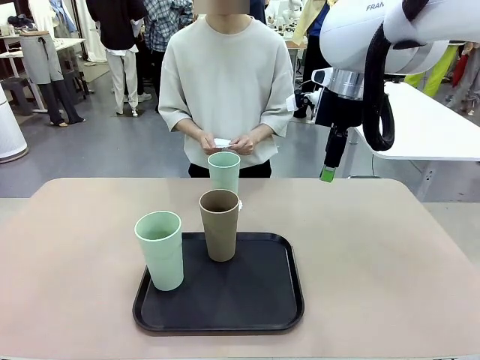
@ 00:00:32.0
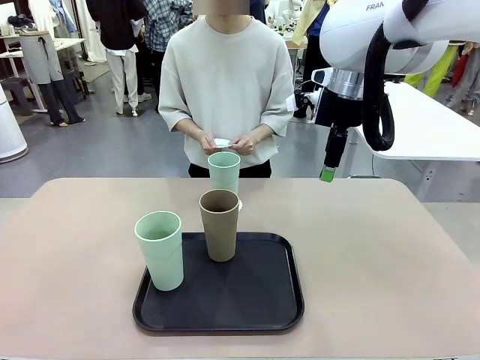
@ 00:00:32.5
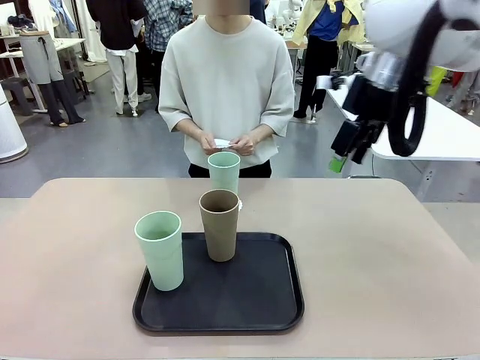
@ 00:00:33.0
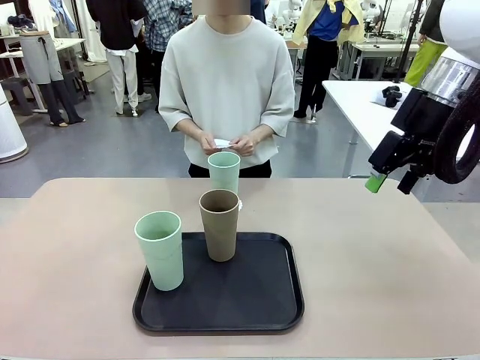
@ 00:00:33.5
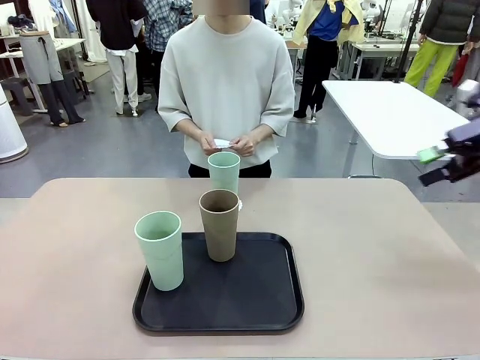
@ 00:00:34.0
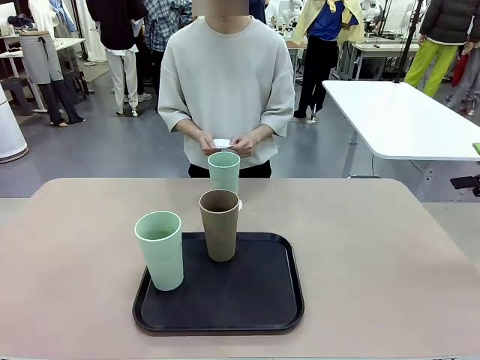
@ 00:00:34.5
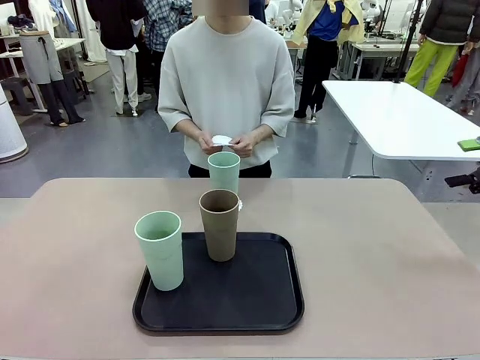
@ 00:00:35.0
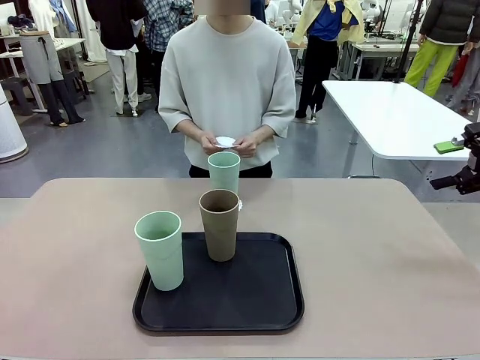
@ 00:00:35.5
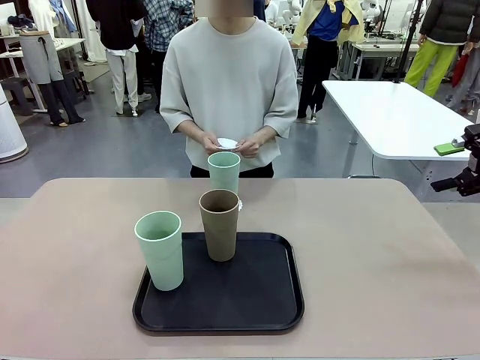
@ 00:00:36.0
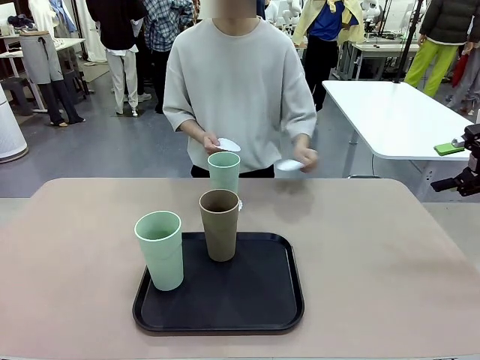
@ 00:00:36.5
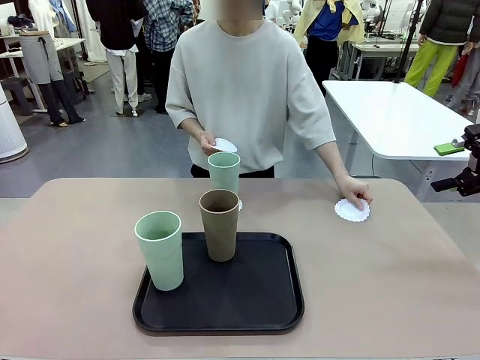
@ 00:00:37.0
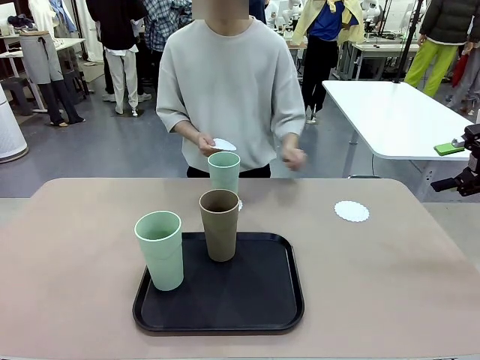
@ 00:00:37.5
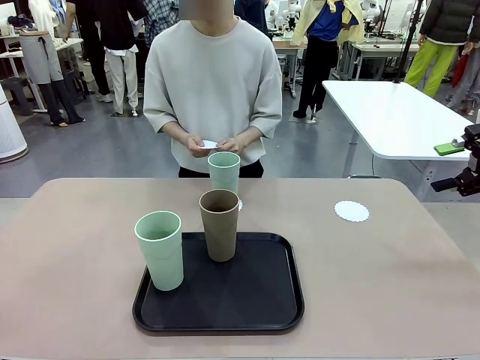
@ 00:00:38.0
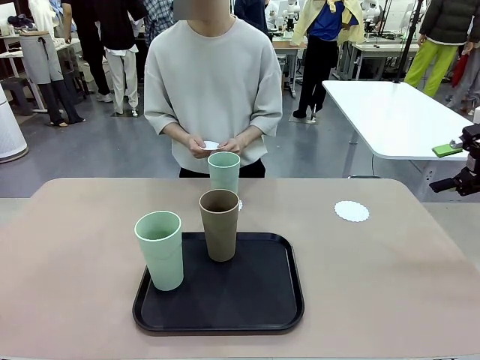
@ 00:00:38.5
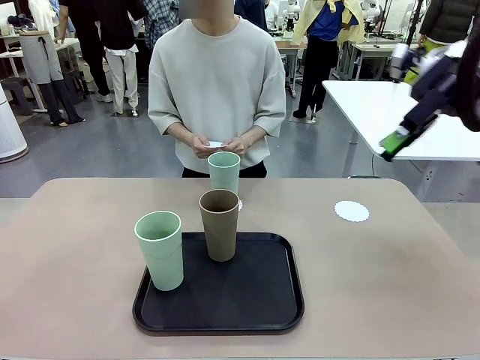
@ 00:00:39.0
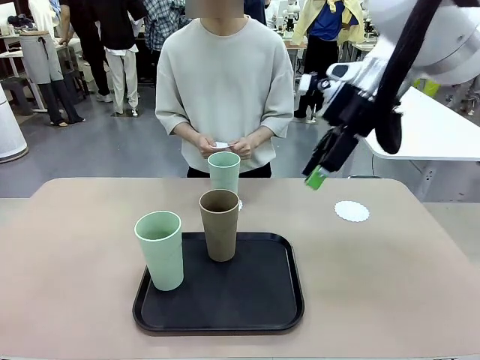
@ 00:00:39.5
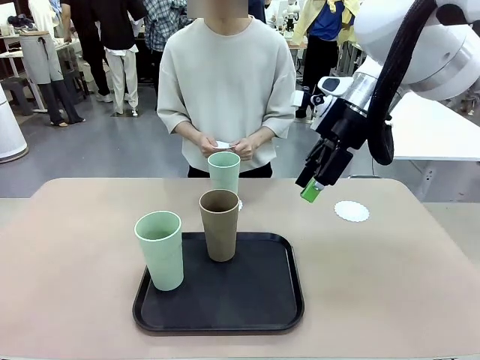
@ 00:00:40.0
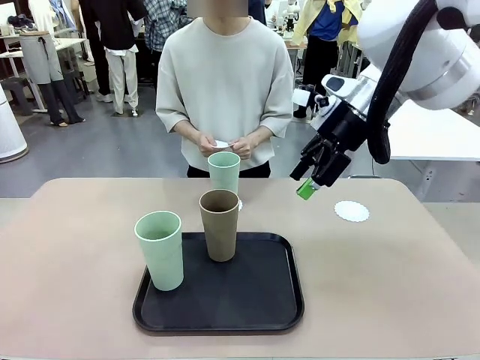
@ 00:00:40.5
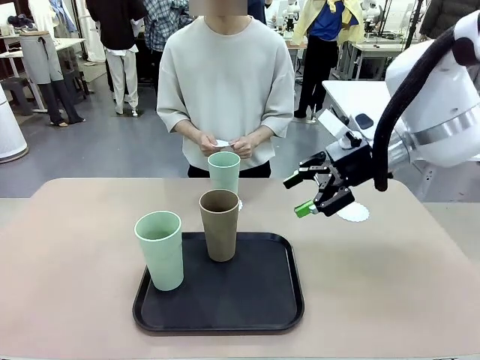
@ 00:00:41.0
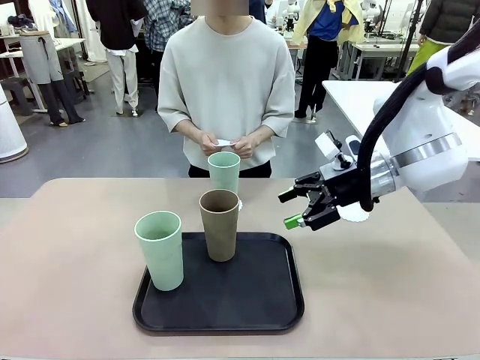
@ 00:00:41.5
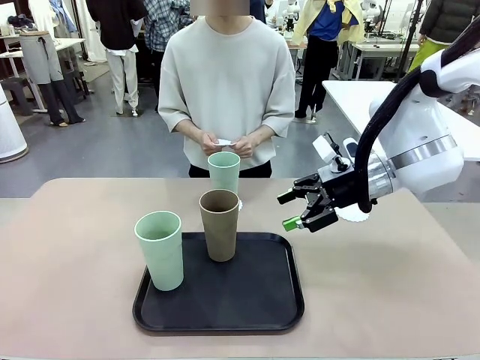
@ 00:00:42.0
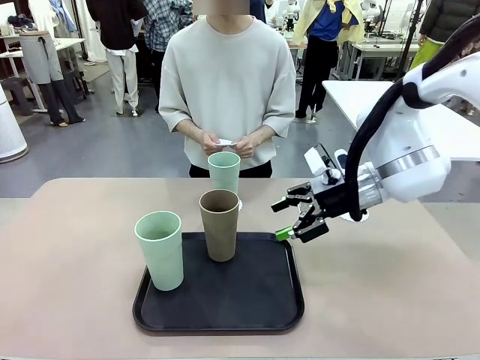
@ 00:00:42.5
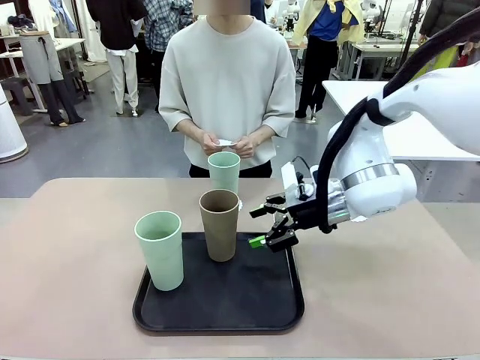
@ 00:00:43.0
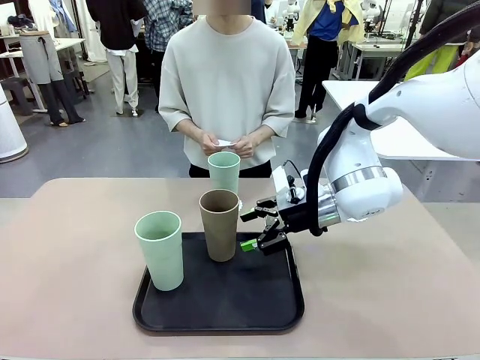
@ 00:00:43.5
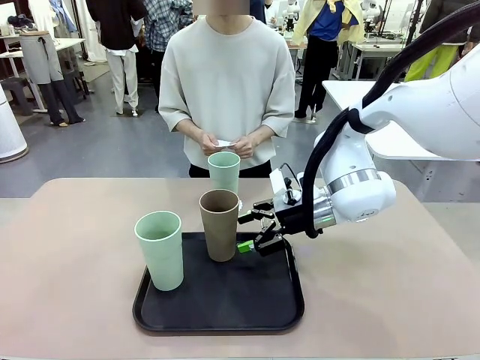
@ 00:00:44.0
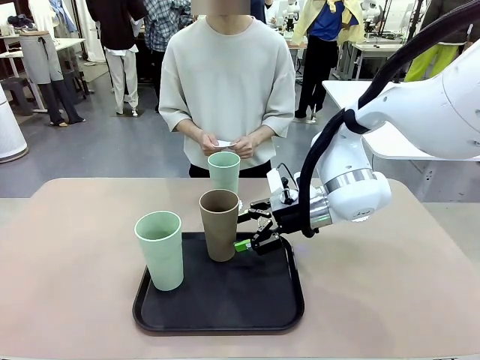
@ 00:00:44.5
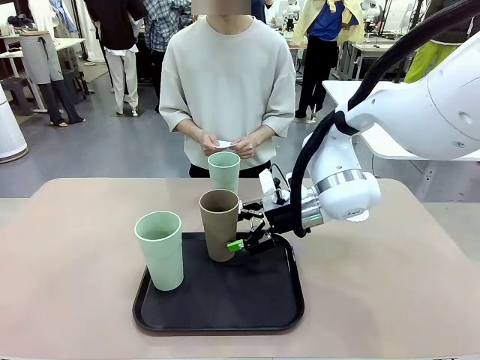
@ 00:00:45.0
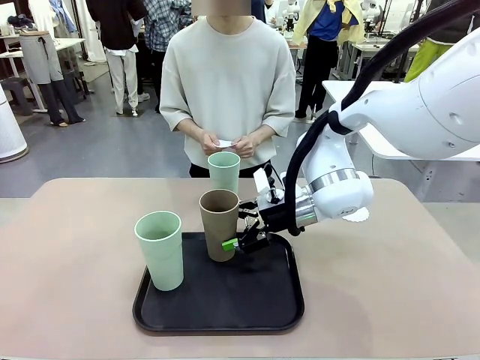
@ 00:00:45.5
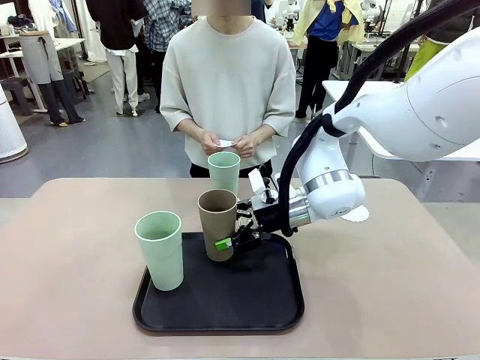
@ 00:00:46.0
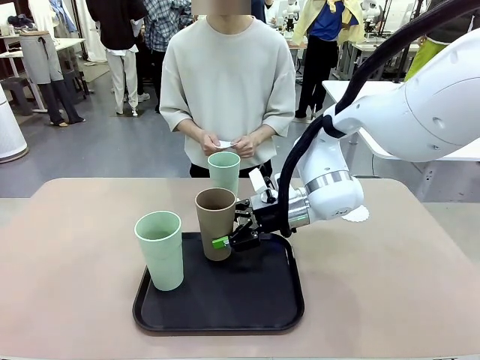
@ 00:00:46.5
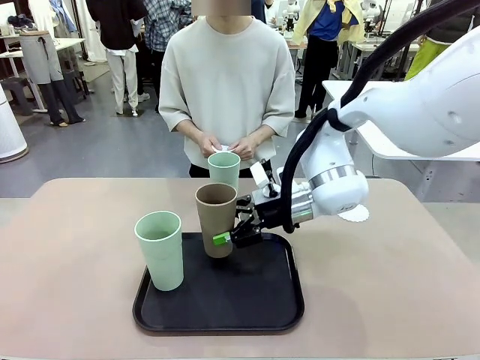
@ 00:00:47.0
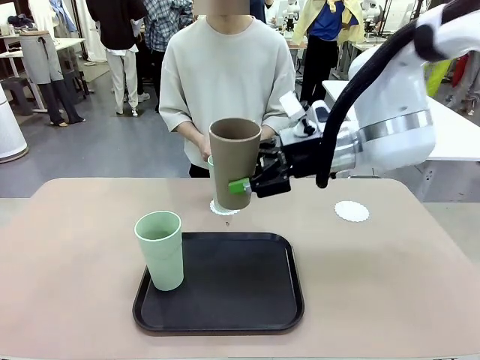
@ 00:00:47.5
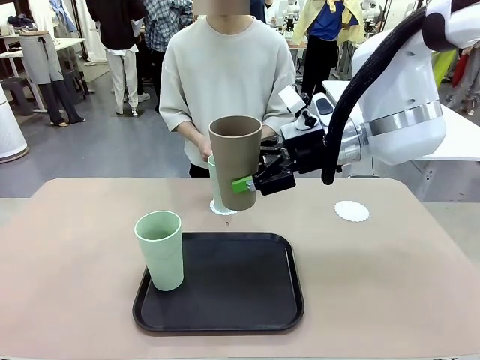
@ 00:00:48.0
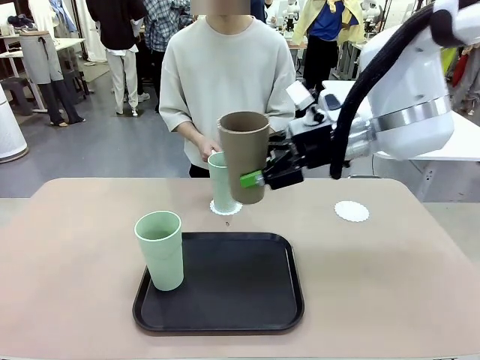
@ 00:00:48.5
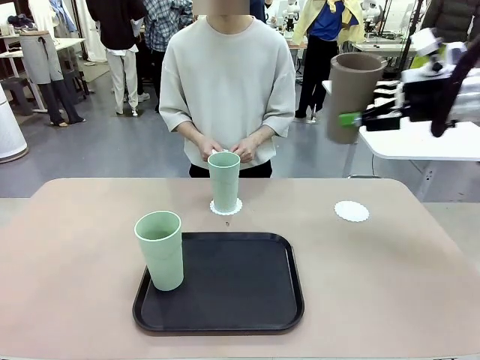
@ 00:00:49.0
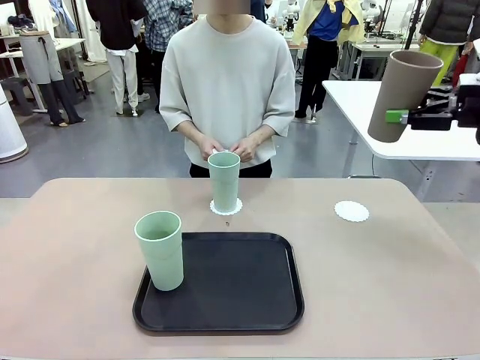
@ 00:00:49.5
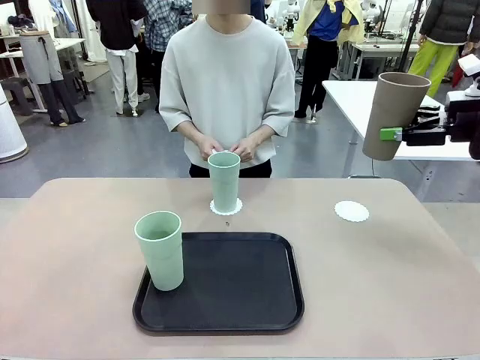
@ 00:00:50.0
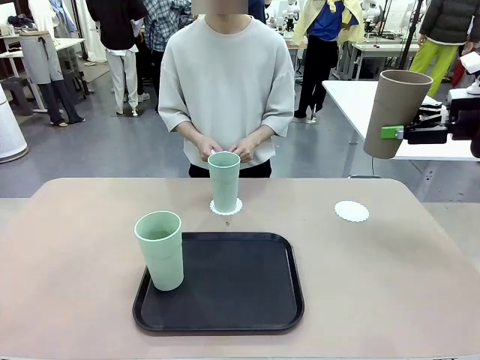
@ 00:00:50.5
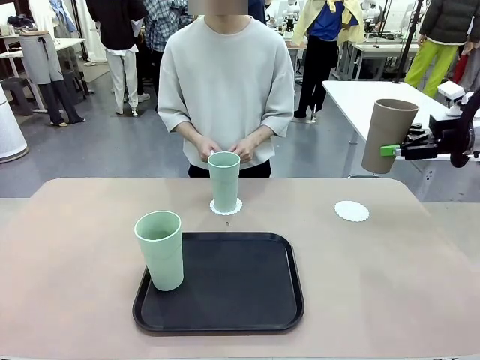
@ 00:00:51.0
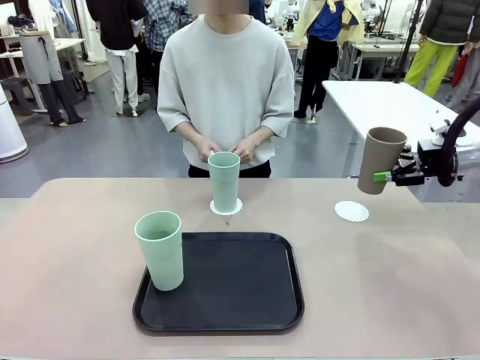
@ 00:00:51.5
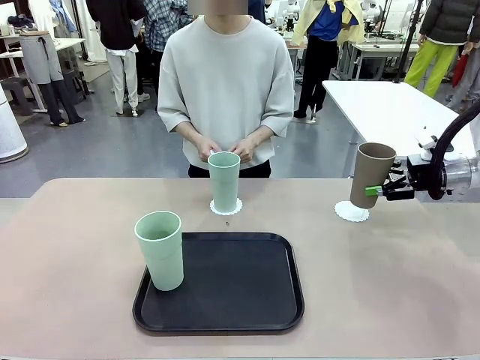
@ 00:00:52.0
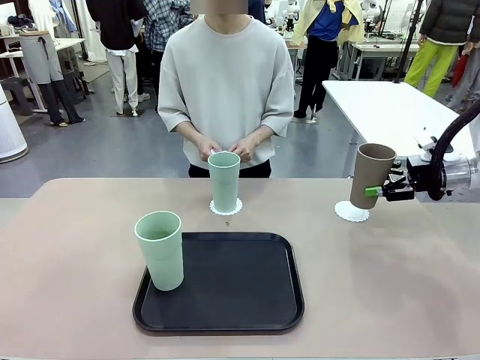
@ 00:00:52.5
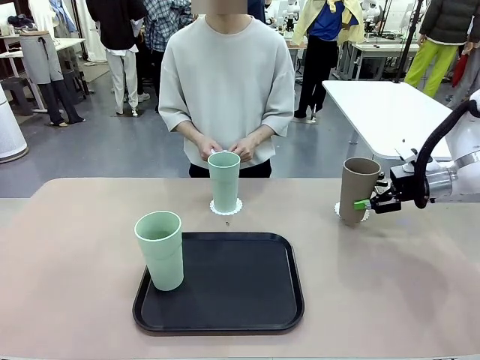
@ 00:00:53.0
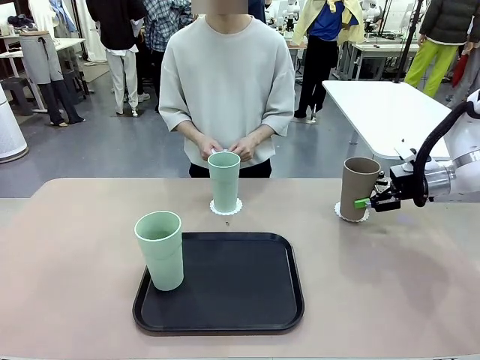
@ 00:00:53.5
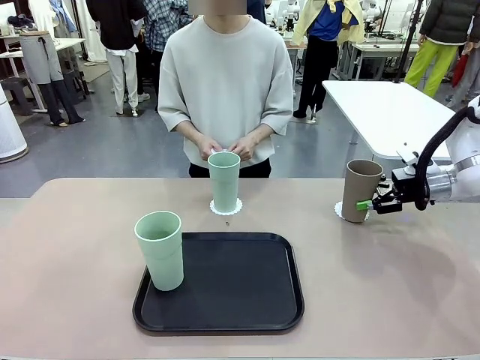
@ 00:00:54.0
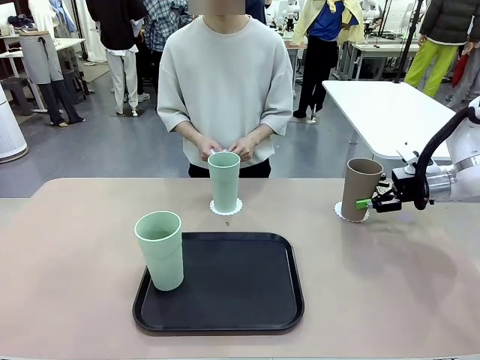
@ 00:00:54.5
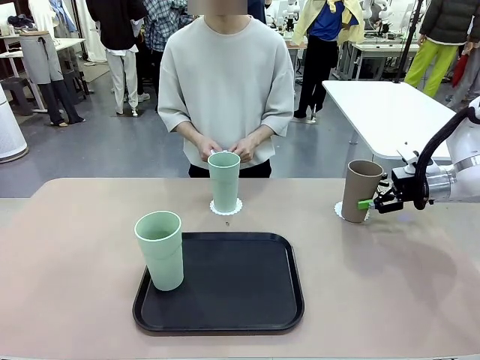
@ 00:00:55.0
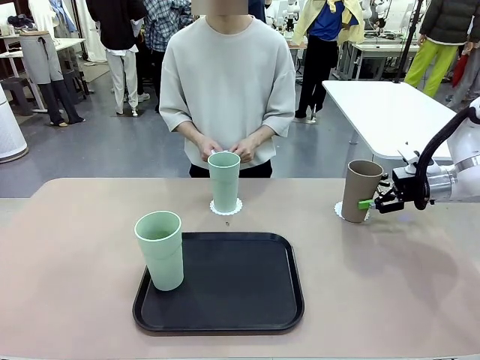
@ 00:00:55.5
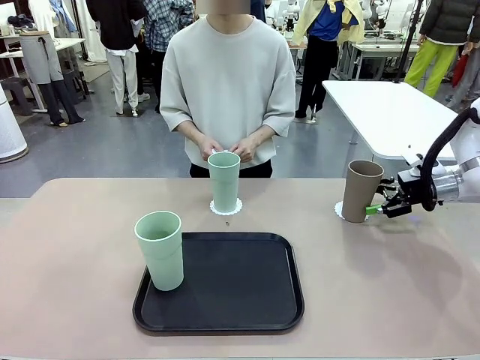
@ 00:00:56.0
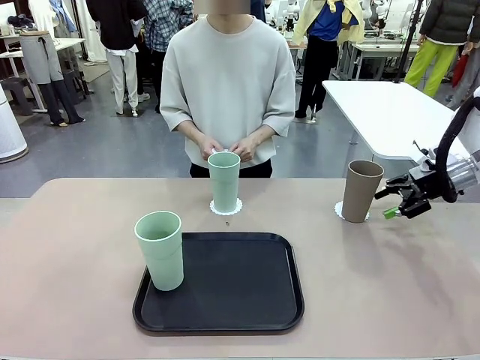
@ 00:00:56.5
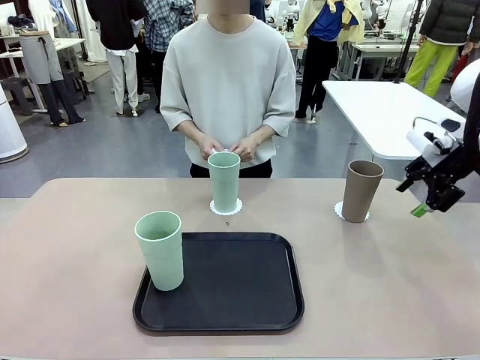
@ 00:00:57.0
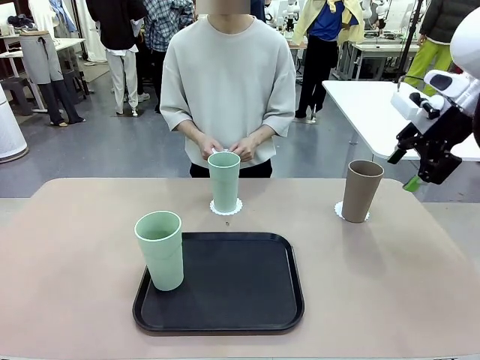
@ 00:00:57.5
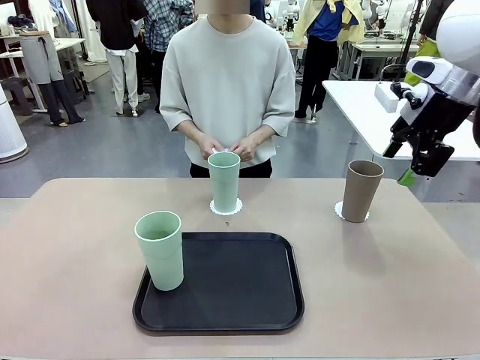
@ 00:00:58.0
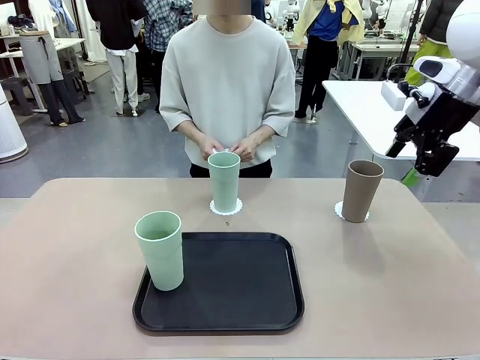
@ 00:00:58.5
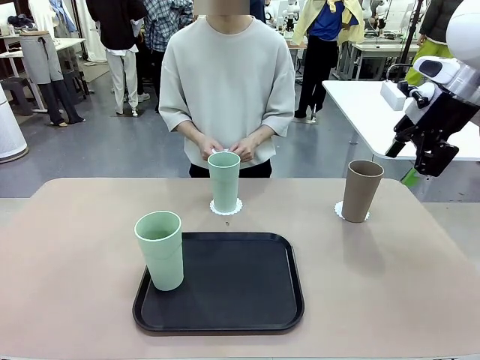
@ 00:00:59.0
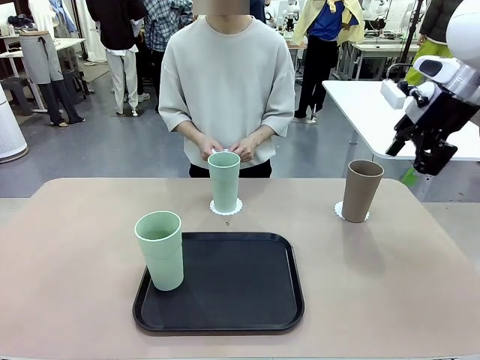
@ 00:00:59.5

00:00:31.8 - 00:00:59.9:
Task: Place coasters on the table and set cups on them.
Robot: Take one Reusable plastic cup from the Flat Tray and place it on a coaster set by the human.
